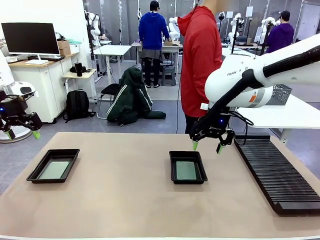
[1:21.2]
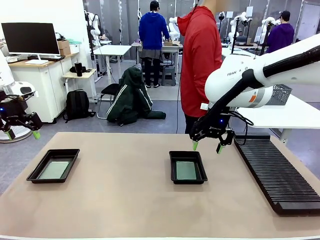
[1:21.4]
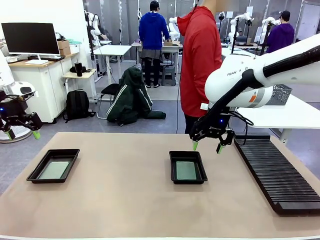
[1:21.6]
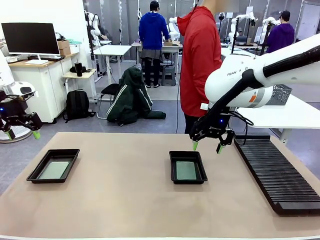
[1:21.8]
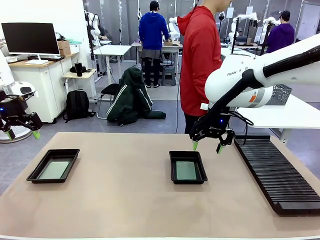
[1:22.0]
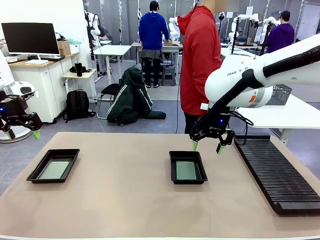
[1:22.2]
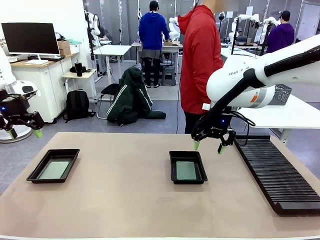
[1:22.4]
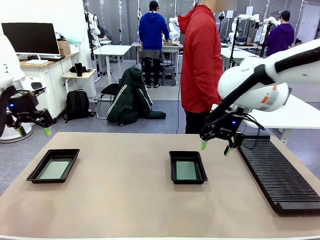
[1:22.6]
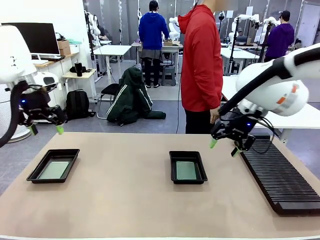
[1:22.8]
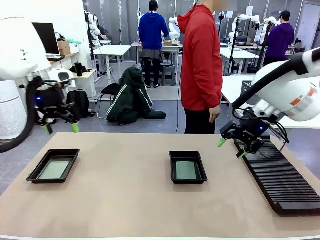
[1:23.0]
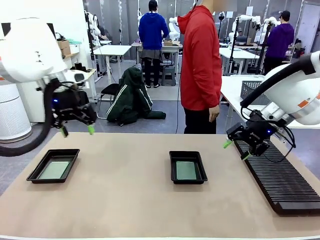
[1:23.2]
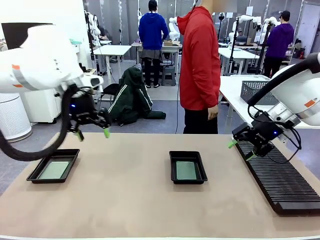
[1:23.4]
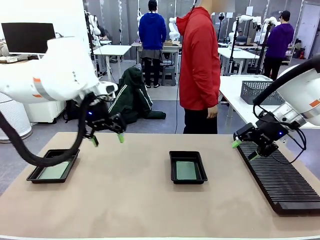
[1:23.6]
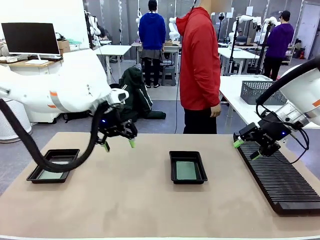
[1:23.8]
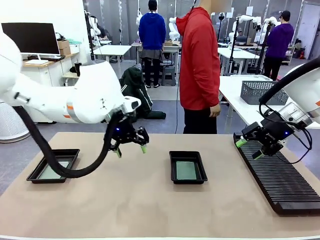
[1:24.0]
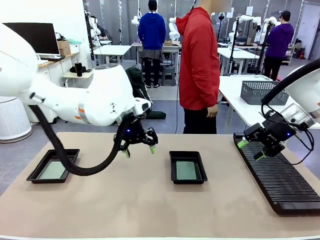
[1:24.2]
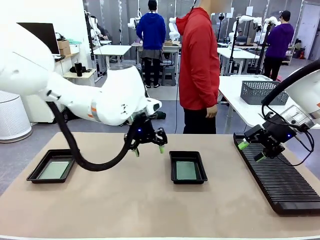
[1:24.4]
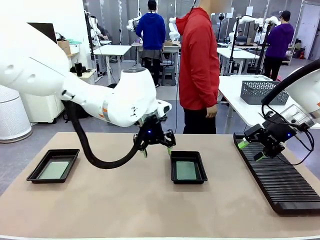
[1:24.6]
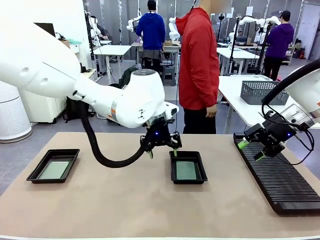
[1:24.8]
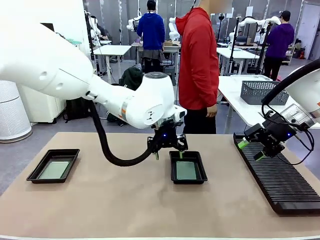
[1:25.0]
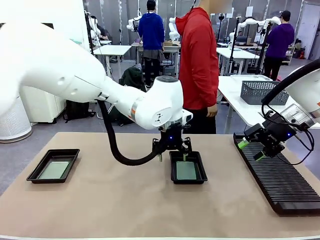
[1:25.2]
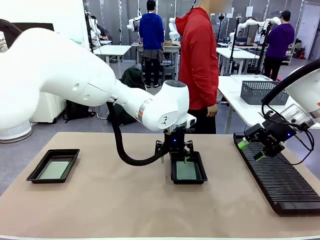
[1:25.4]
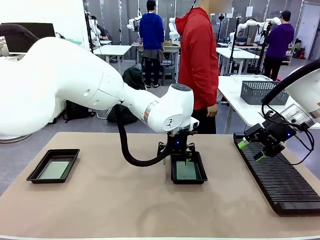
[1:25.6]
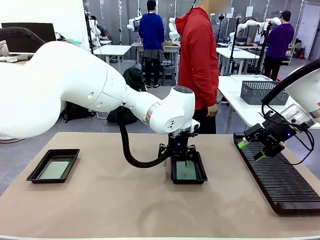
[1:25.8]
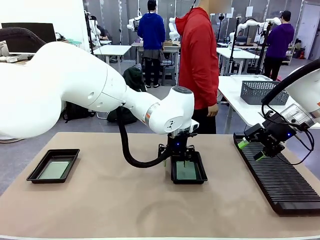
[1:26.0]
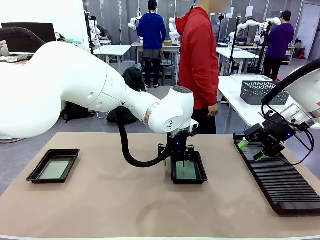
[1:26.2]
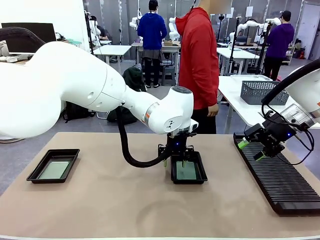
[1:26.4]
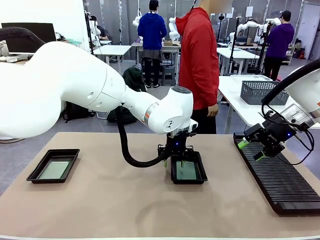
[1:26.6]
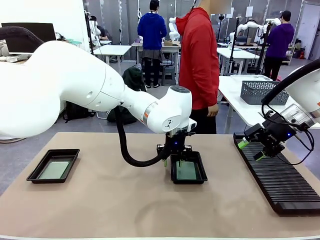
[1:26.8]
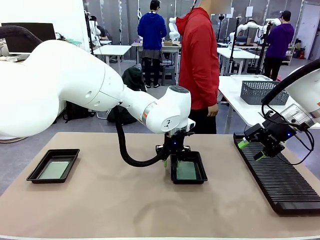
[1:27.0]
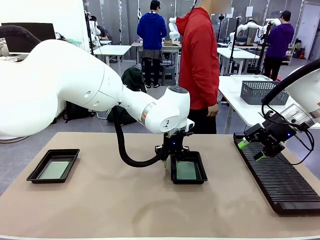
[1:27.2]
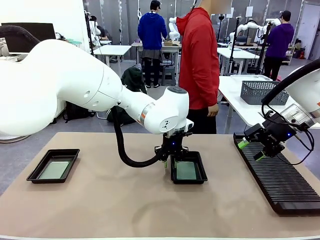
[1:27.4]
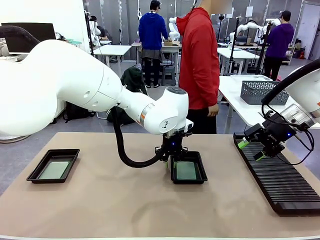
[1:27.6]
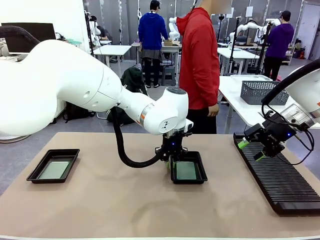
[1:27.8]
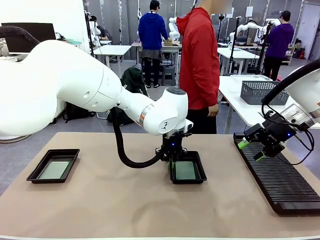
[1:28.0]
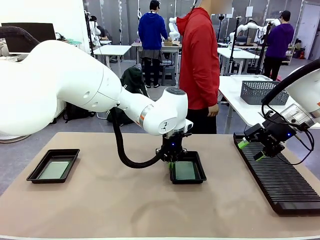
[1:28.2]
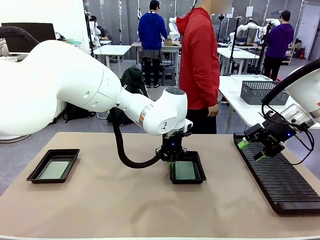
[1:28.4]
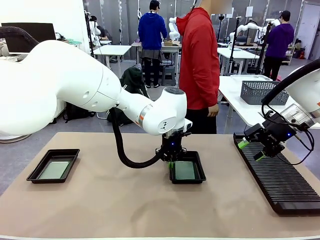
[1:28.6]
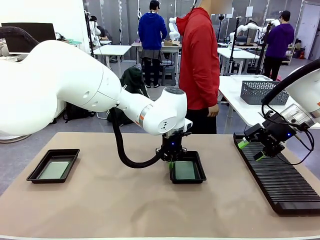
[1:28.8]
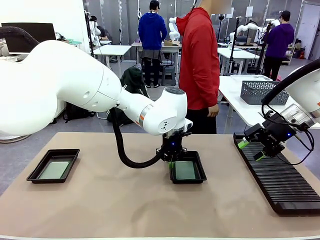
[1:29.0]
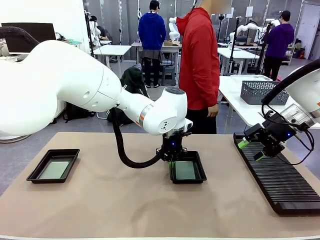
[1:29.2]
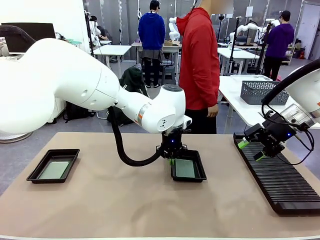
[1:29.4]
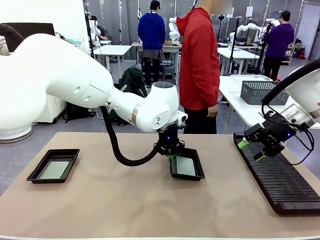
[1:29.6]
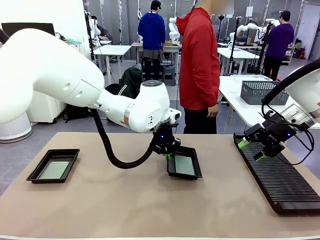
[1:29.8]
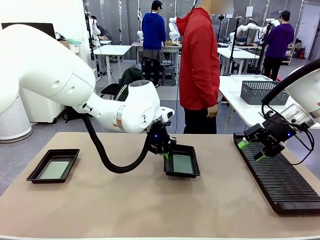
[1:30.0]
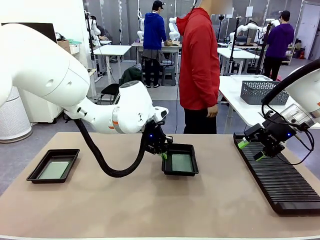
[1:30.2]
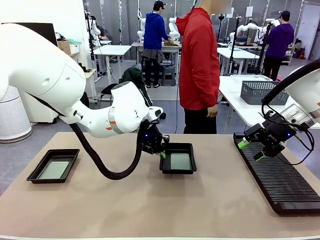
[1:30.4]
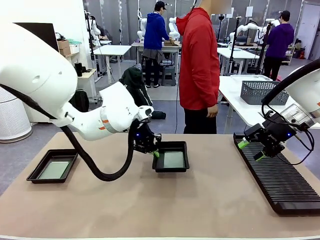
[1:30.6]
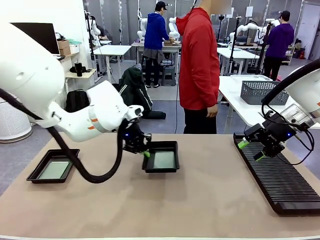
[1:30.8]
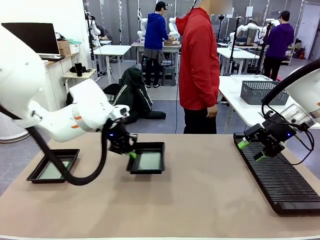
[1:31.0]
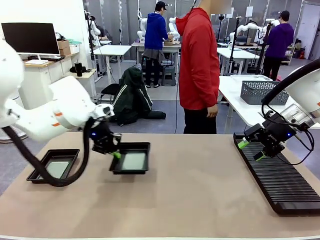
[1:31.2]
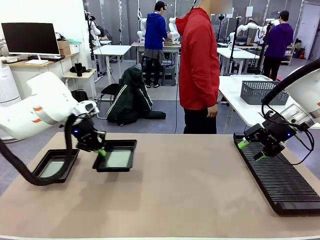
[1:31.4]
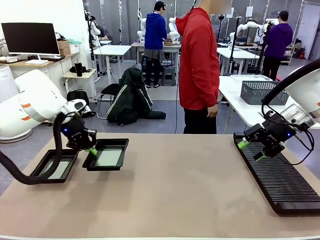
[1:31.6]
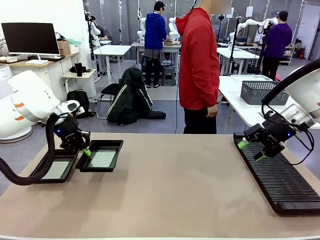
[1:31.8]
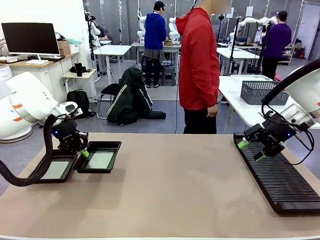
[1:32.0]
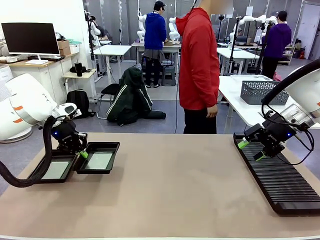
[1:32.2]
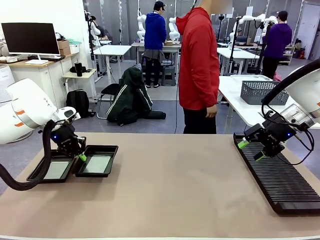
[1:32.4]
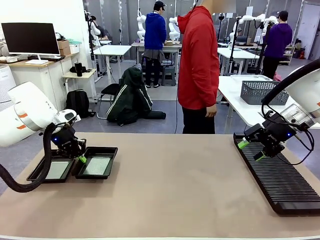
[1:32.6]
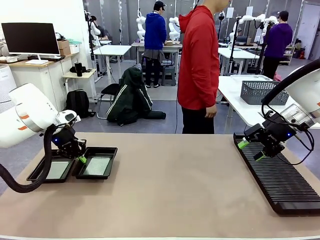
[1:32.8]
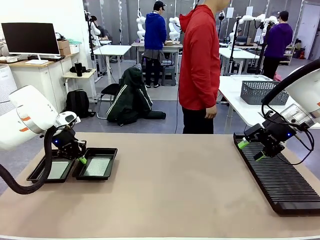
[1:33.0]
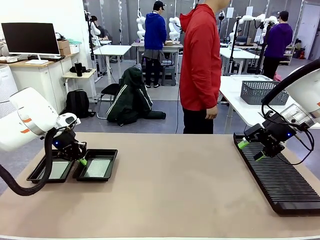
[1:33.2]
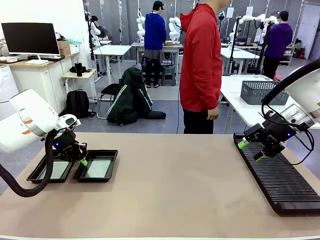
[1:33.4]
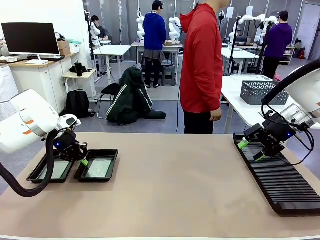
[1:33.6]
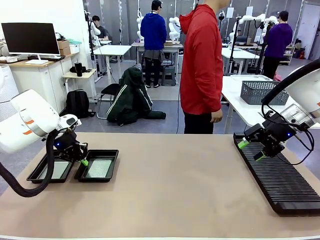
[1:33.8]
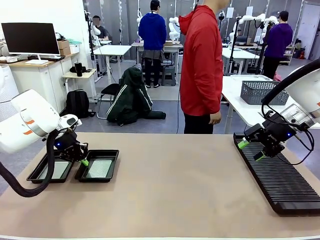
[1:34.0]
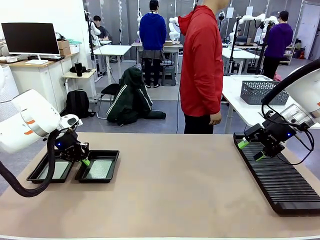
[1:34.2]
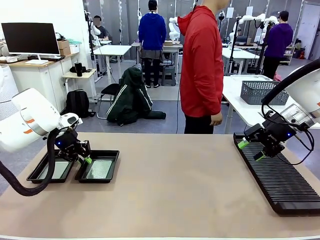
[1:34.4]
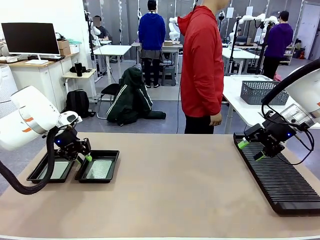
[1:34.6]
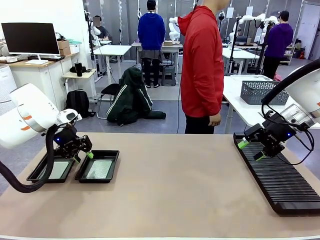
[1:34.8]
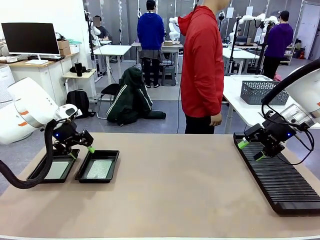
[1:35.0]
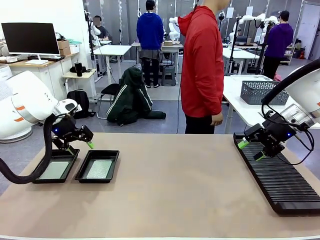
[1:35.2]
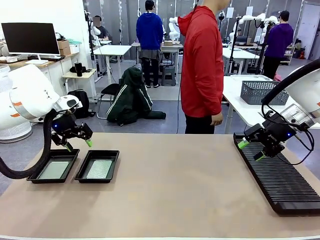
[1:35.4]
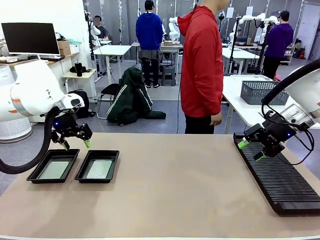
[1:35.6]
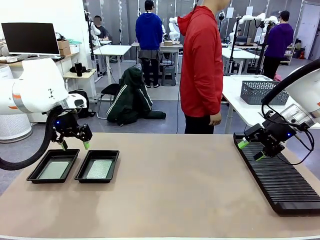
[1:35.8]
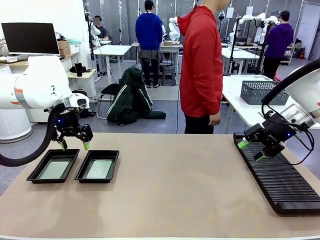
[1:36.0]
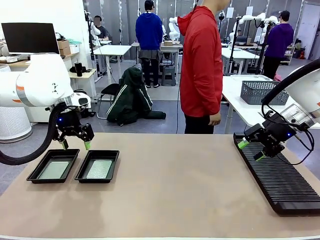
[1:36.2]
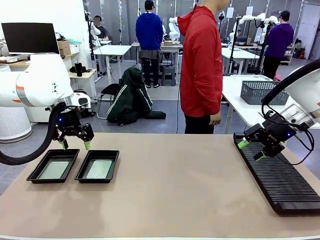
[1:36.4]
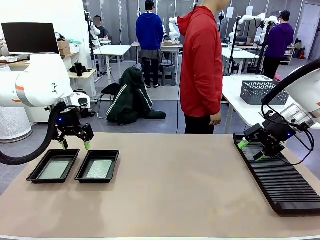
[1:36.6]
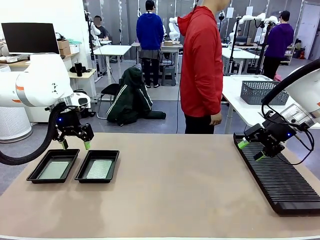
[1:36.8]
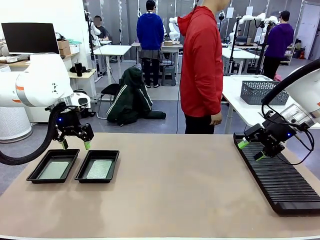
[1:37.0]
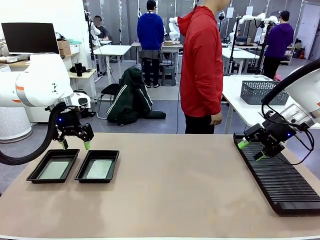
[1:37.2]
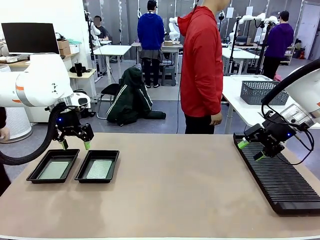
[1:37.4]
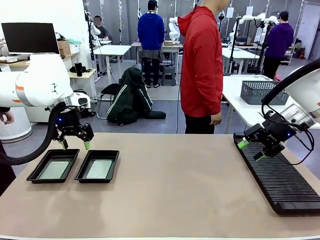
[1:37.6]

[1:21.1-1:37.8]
Task: Inspect and transfer BCBs to ESD trays.
Robot: Pick up the ESD tray and place it on the left side of the table.

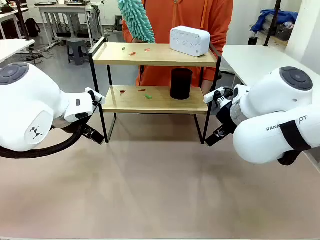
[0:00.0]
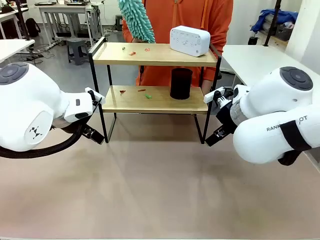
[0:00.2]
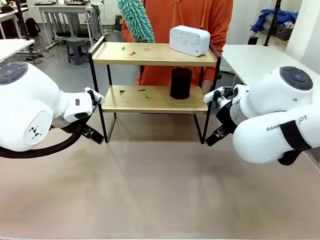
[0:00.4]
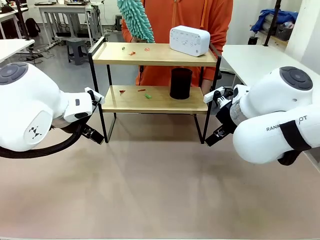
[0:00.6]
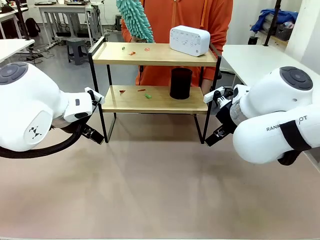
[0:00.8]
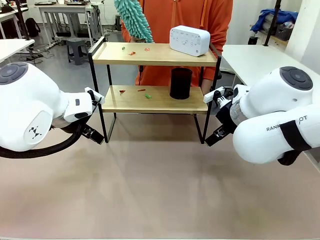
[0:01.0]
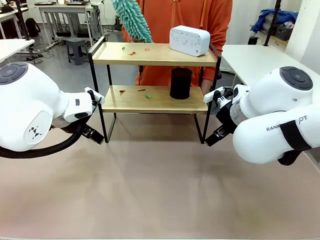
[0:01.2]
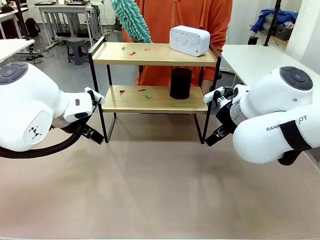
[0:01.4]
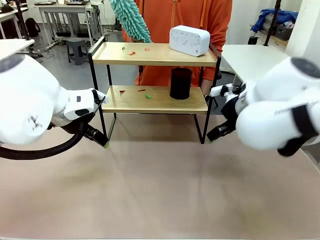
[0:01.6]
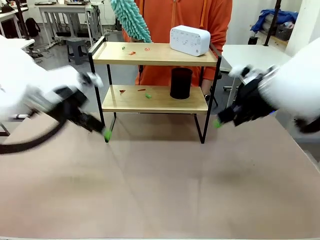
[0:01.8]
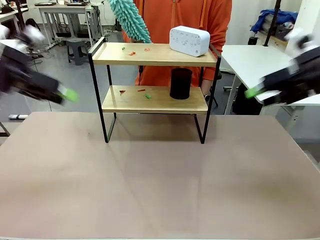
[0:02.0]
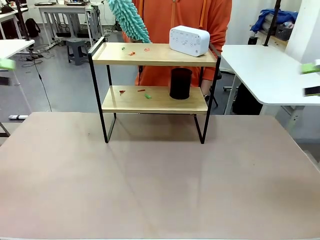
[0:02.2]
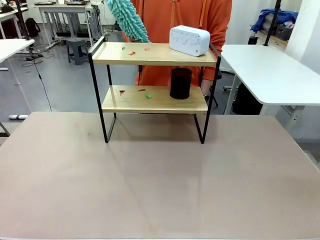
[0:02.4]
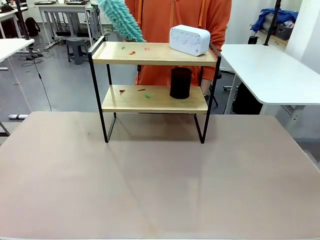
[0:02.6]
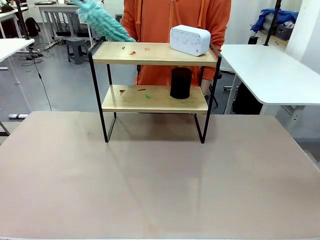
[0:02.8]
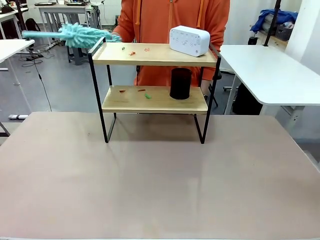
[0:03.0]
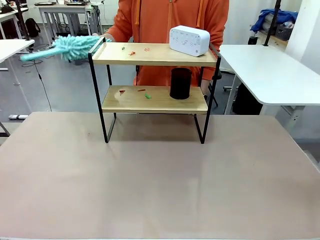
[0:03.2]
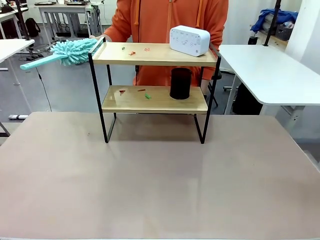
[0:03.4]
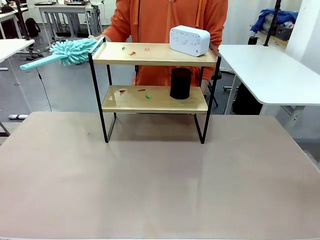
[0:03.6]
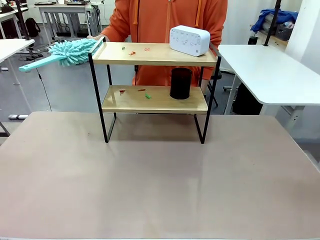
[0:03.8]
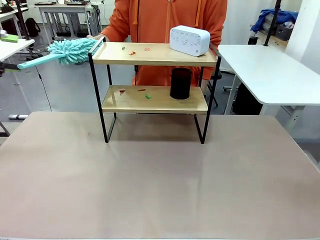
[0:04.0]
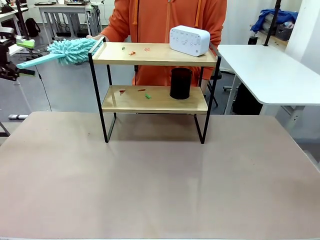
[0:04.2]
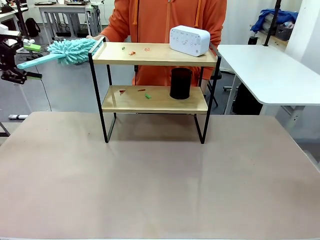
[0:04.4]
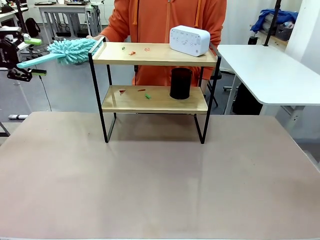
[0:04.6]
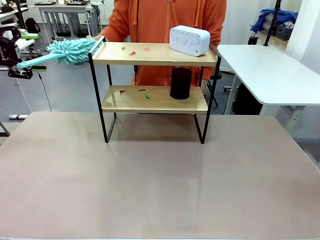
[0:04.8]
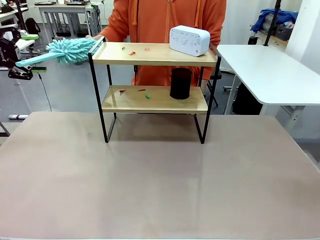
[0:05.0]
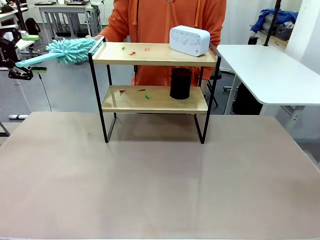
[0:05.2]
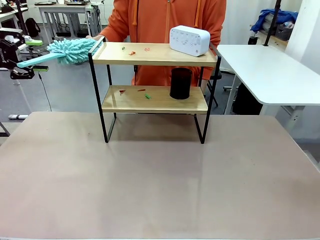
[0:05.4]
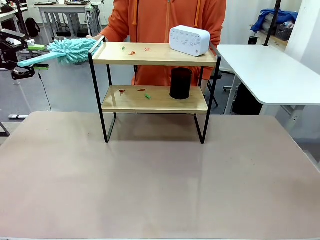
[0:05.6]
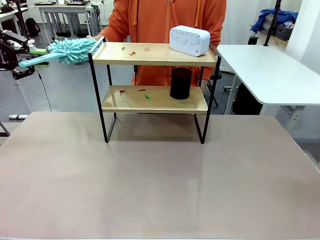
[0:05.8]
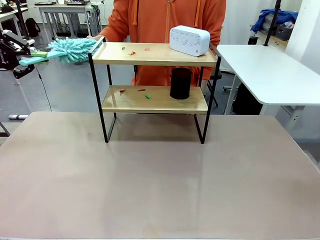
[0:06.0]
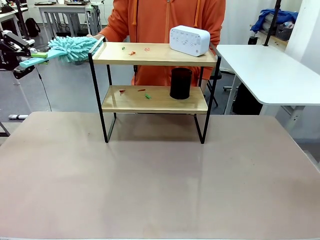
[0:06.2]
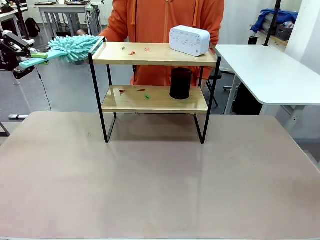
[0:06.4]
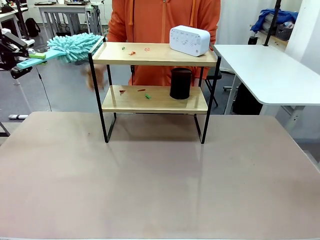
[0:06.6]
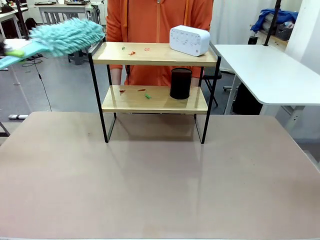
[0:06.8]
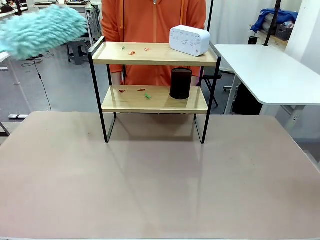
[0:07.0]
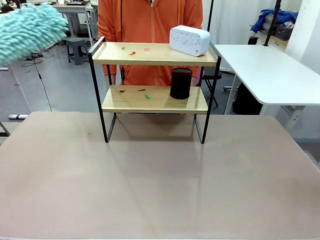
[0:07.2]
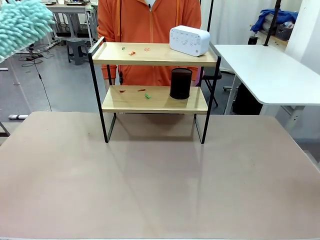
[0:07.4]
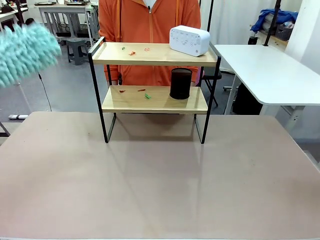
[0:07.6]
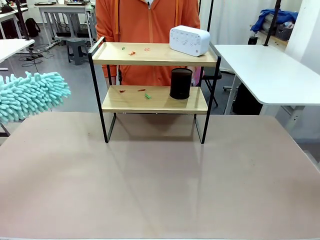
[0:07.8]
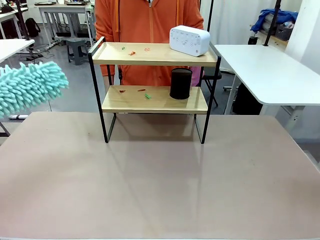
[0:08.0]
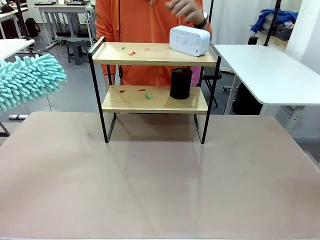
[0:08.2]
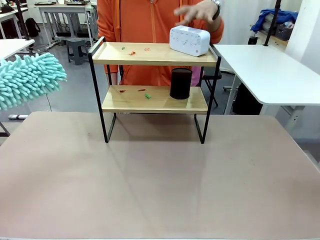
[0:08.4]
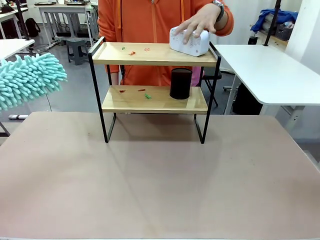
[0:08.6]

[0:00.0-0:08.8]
Task: Clean the shelf.
Robot: Pick up the Duster from the human.
Person: Hand the Duster to the robot. Lift the objects on a randomly selected tier of the Shelf.
